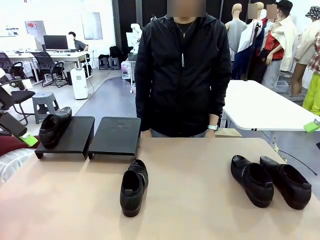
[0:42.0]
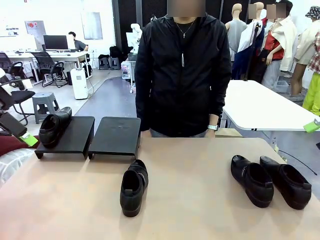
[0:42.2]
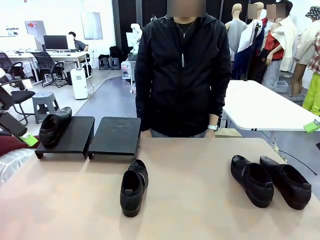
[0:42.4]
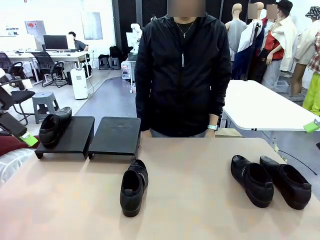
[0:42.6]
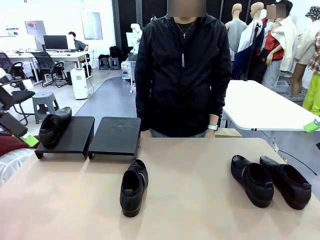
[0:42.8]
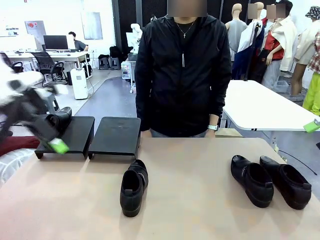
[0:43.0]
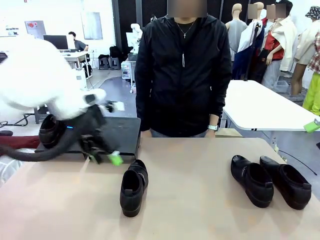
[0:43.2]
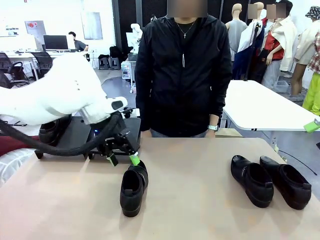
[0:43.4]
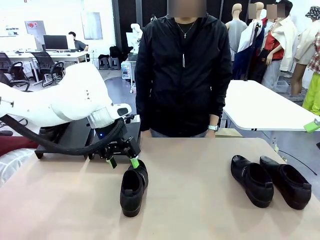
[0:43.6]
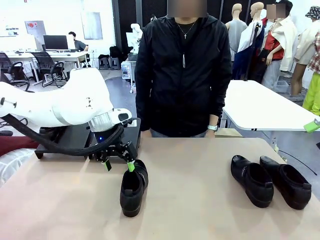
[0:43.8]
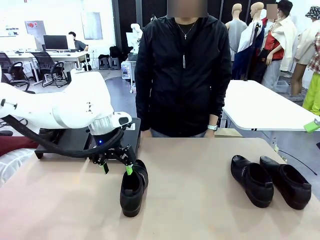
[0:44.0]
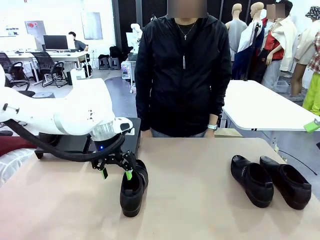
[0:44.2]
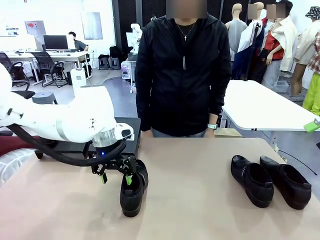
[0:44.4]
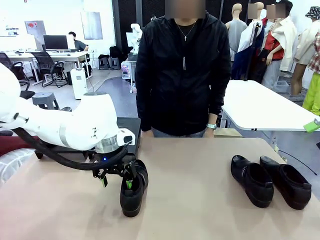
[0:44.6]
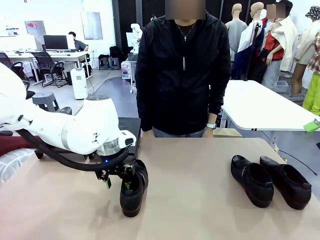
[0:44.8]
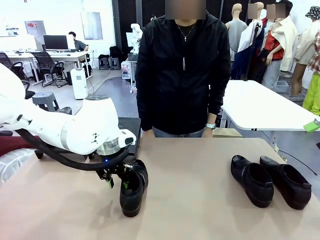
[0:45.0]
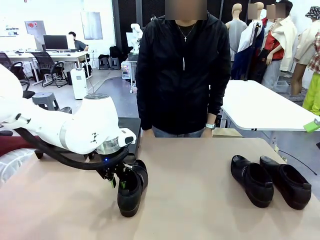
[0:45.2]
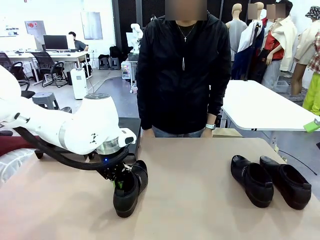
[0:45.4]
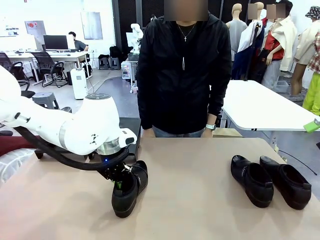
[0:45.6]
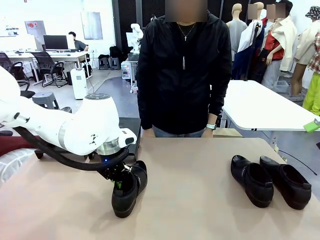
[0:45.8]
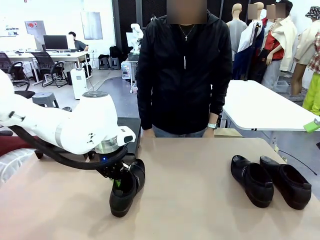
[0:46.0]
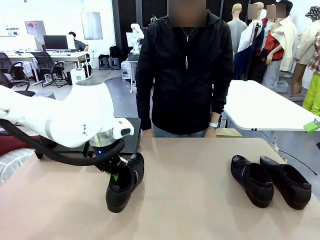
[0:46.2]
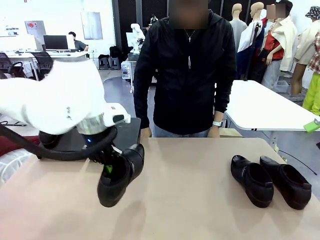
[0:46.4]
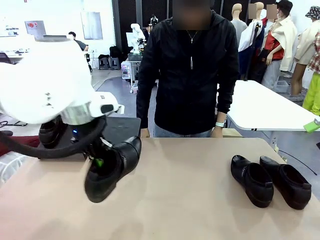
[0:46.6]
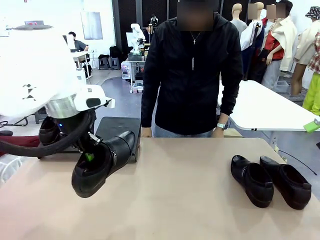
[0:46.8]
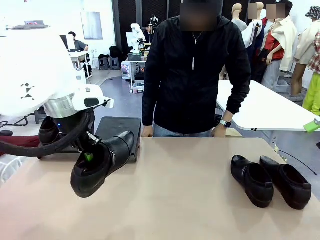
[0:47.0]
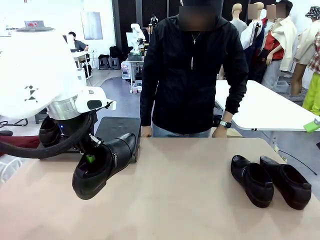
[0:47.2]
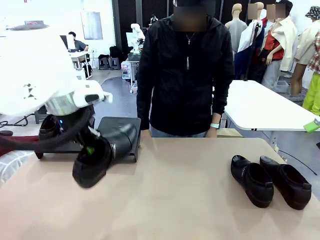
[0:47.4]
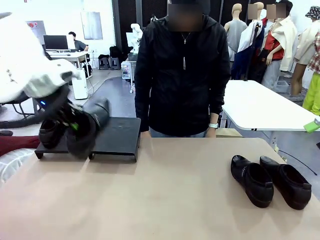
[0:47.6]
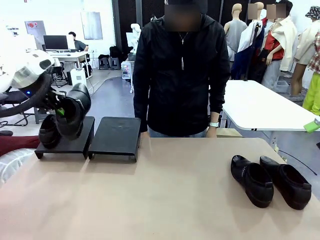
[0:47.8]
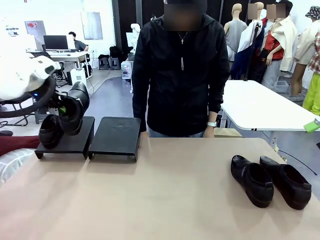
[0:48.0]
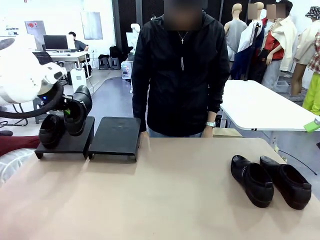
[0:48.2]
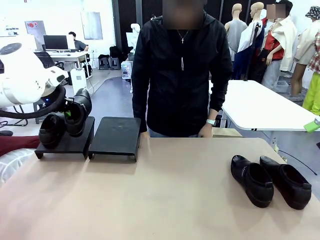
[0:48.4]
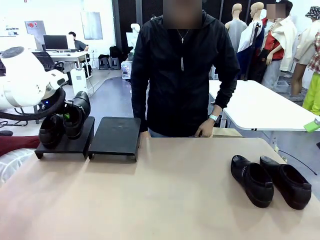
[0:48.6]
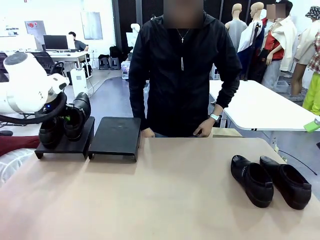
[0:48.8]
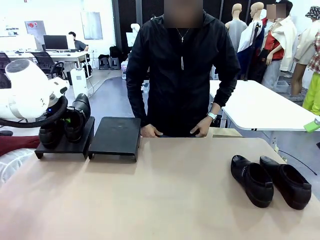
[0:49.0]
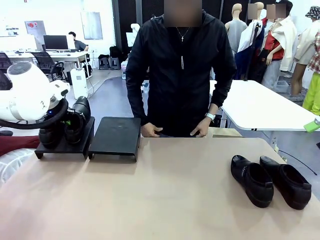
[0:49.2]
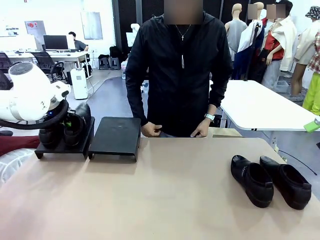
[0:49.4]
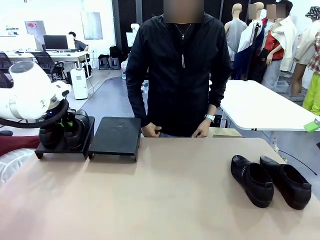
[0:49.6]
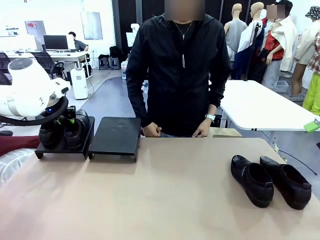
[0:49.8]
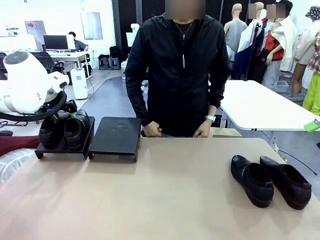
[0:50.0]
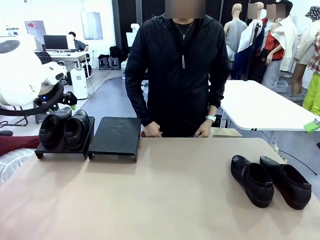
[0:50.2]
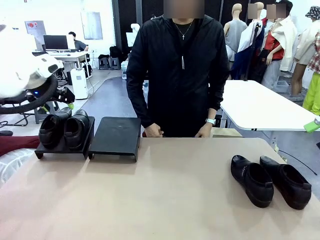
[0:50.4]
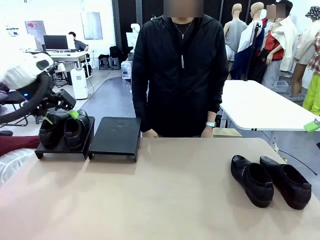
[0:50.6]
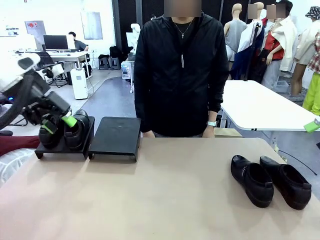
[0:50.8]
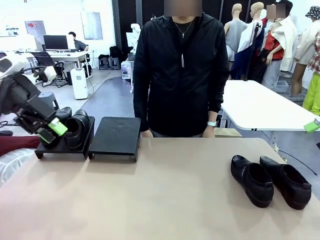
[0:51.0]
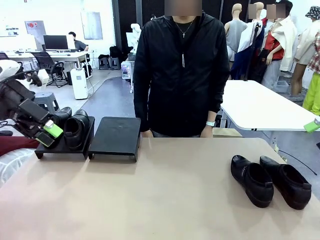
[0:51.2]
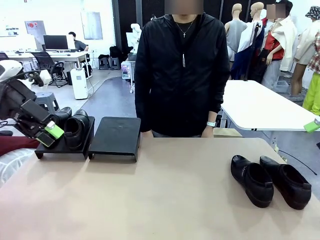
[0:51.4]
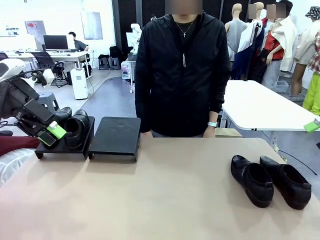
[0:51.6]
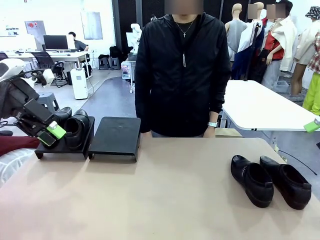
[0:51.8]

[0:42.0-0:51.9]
Task: Organize the shoes by placing them on the stand.
Robot: Place the Shoe from the middle of the table onto the Shoes Stand.

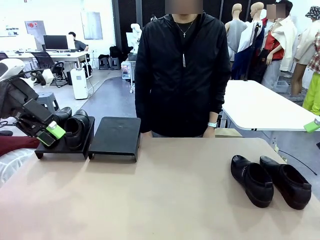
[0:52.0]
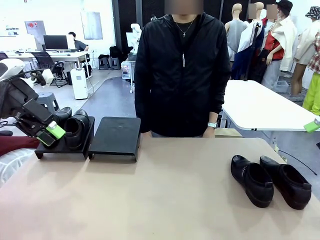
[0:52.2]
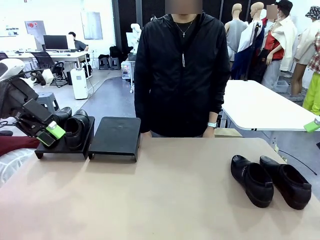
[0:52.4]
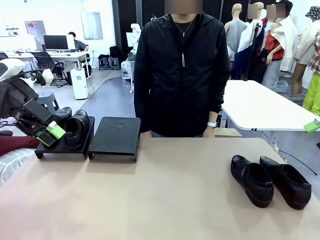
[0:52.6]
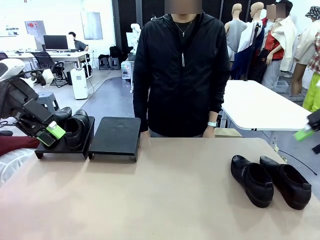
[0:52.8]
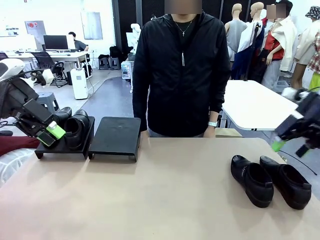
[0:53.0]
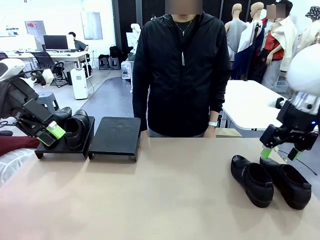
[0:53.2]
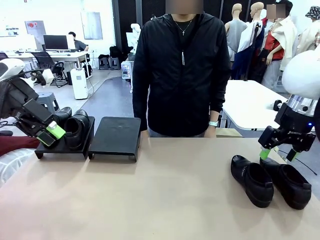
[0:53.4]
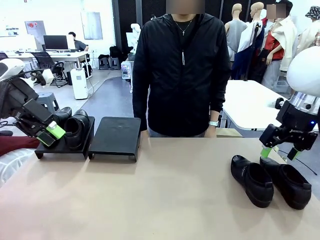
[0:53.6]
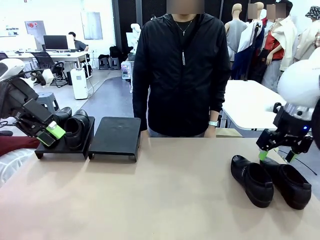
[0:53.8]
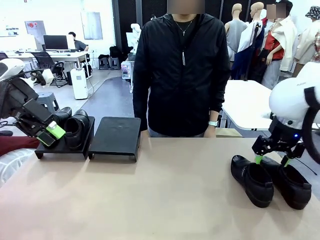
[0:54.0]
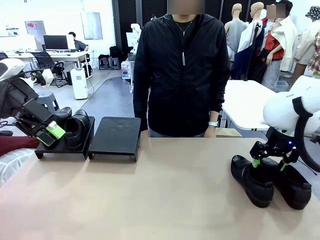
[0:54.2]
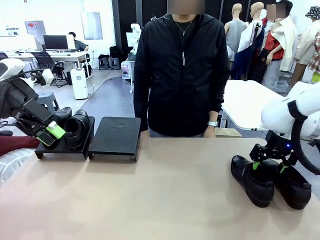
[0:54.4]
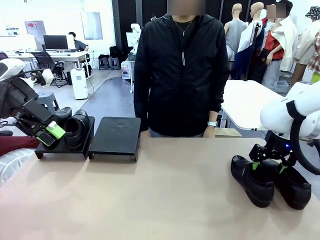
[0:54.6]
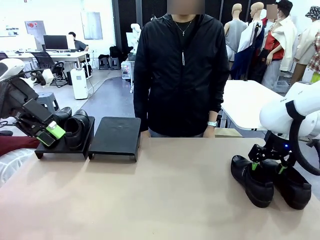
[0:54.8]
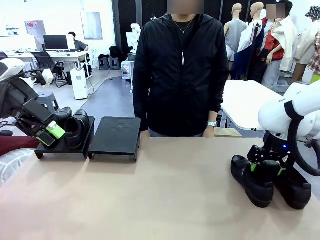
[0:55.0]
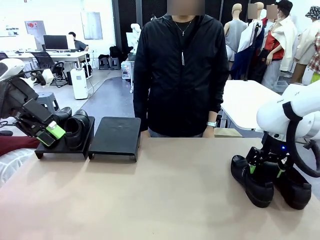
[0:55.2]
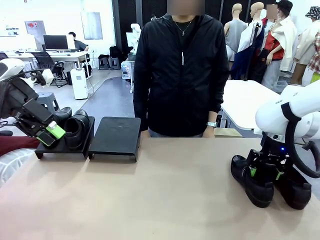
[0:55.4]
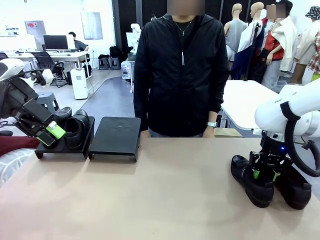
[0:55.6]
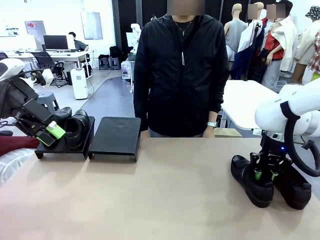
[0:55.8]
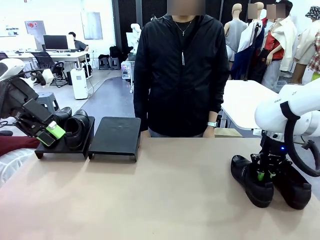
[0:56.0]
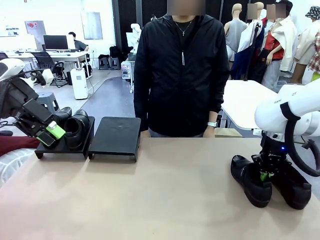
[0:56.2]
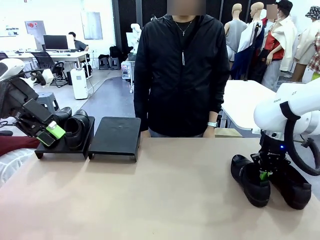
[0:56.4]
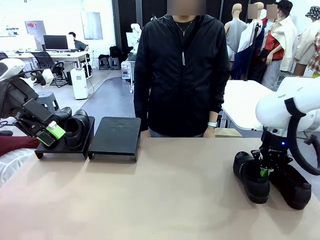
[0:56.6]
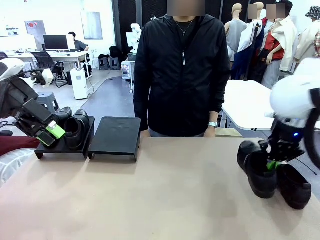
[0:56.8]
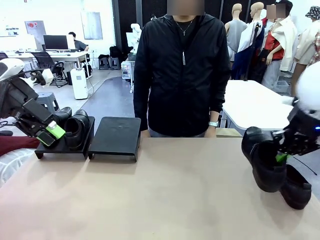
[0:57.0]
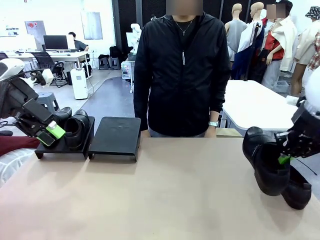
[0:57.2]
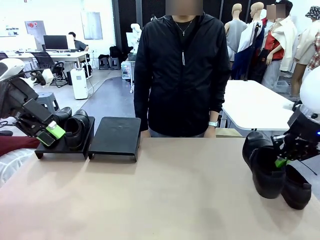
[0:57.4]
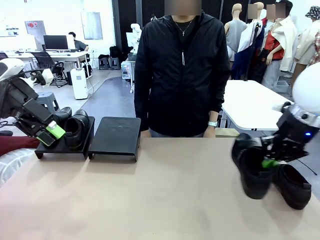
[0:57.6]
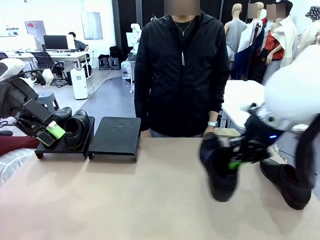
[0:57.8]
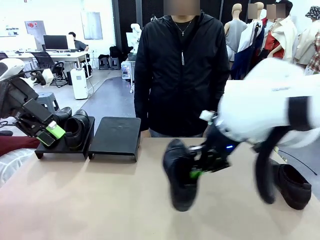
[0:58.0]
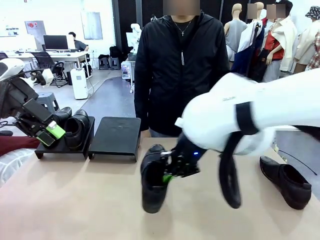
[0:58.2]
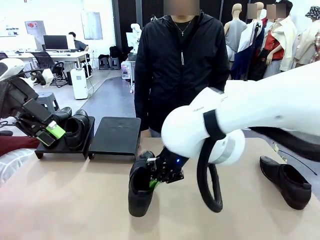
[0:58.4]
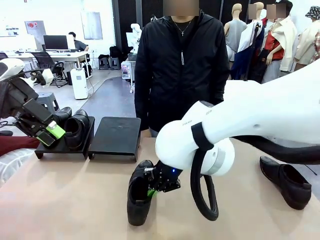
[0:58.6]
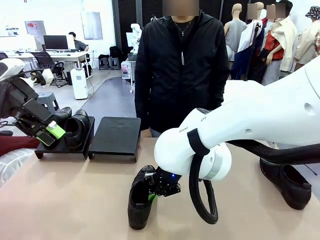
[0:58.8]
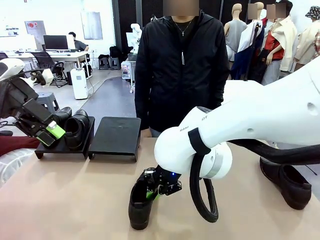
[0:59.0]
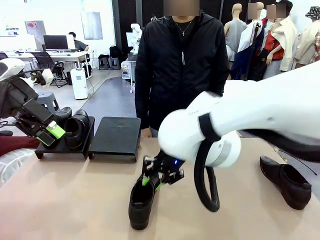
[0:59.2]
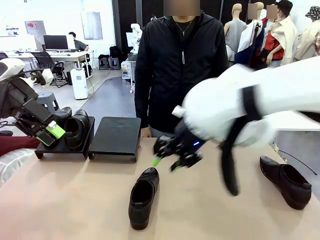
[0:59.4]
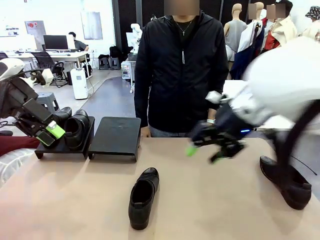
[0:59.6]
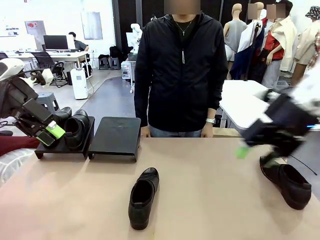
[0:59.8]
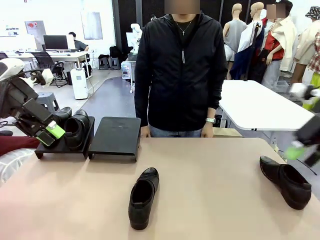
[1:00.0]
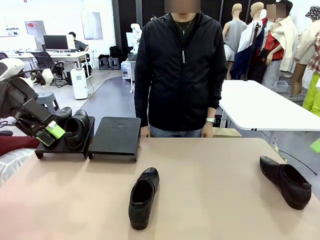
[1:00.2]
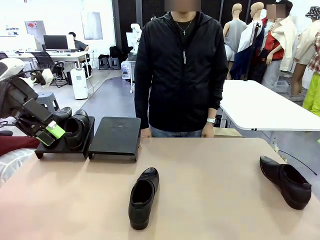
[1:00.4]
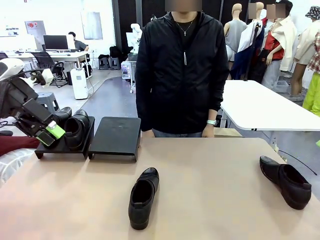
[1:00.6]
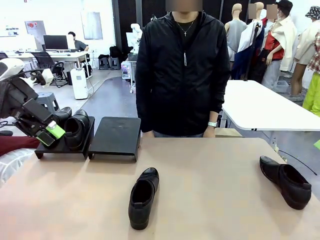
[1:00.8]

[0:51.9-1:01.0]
Robot: Pick up one Shoe and place it in the middle of the table.
